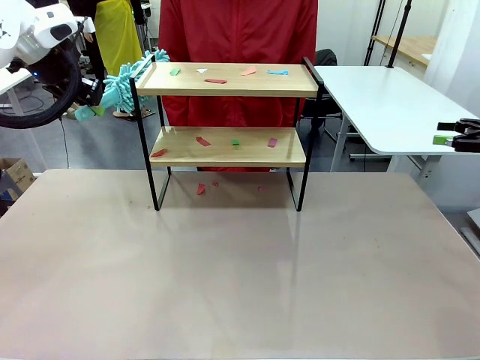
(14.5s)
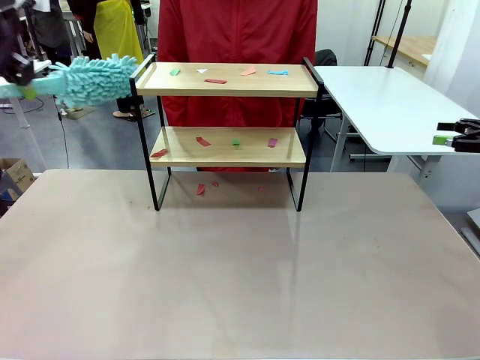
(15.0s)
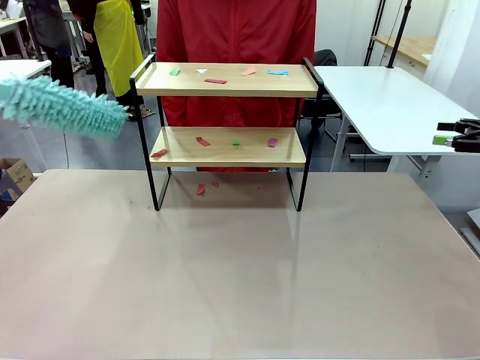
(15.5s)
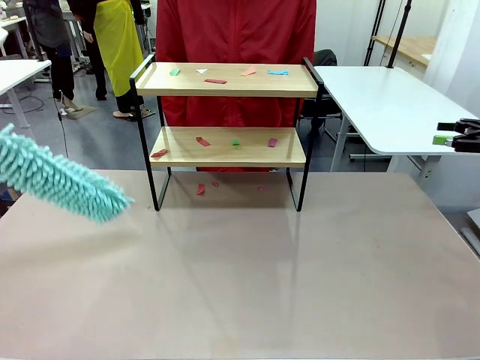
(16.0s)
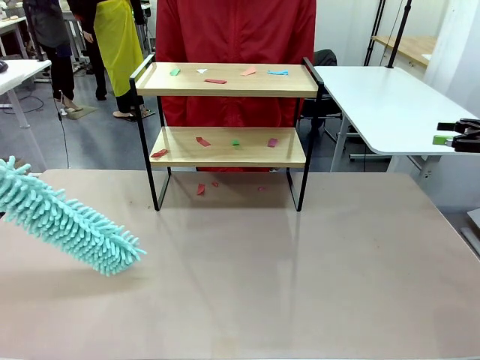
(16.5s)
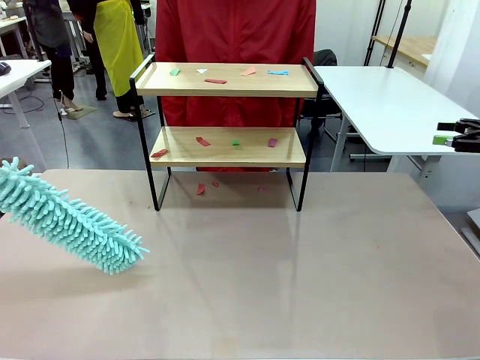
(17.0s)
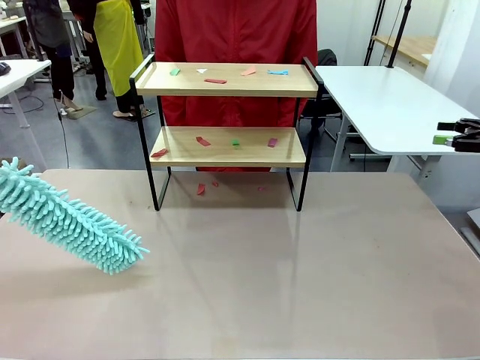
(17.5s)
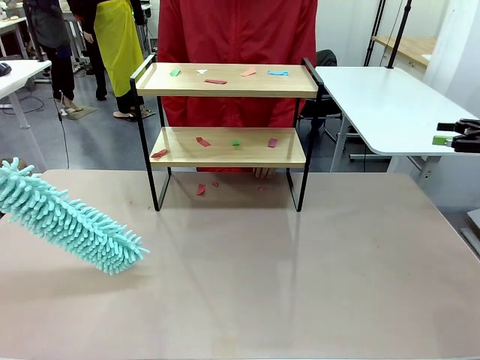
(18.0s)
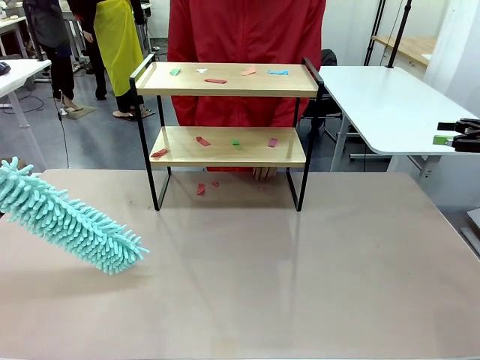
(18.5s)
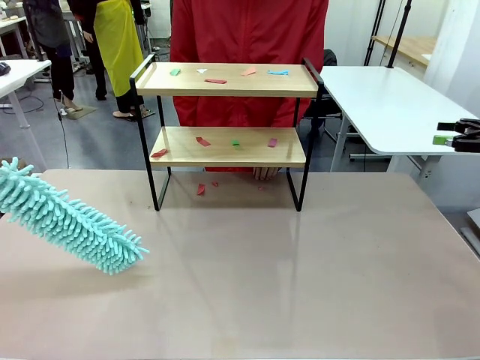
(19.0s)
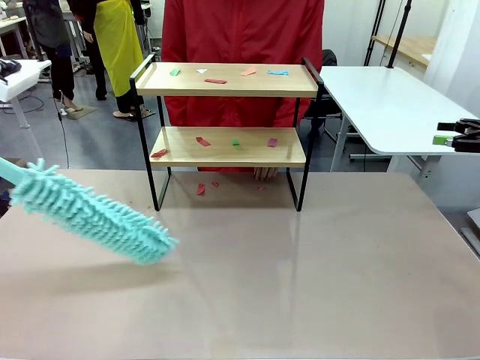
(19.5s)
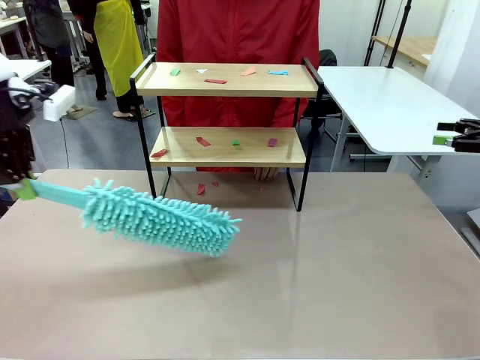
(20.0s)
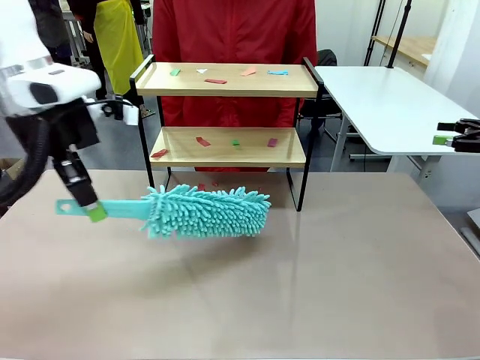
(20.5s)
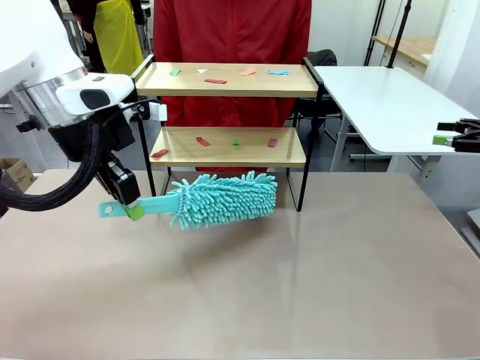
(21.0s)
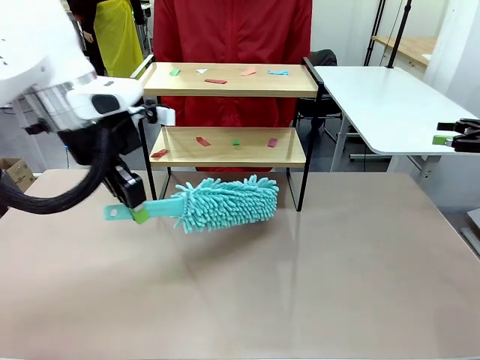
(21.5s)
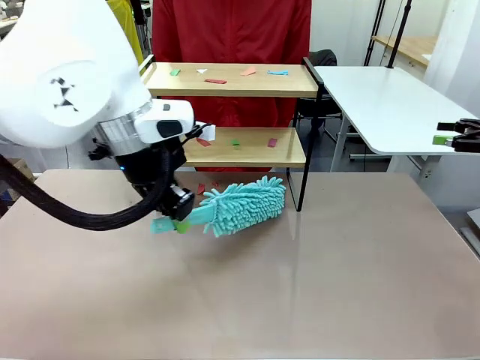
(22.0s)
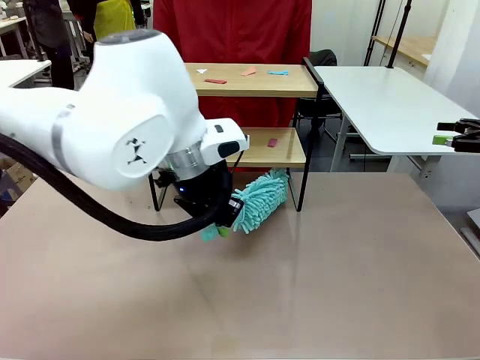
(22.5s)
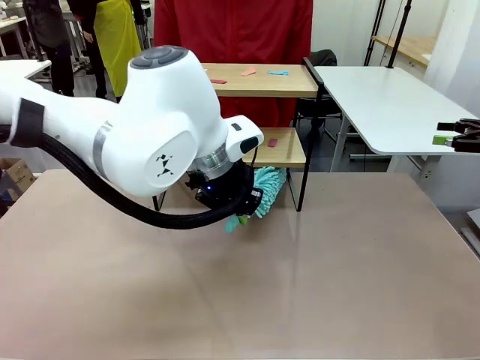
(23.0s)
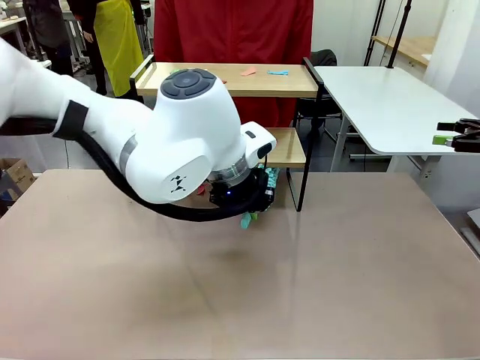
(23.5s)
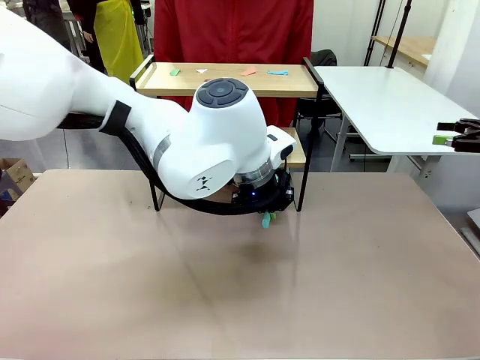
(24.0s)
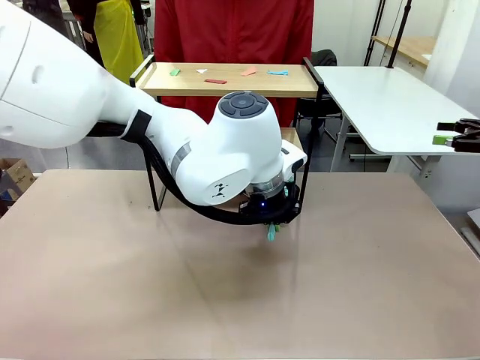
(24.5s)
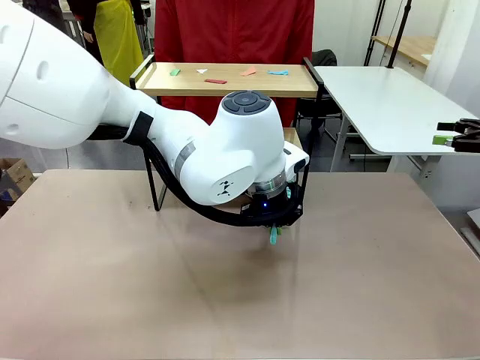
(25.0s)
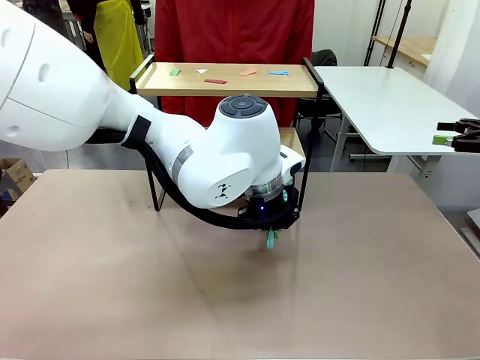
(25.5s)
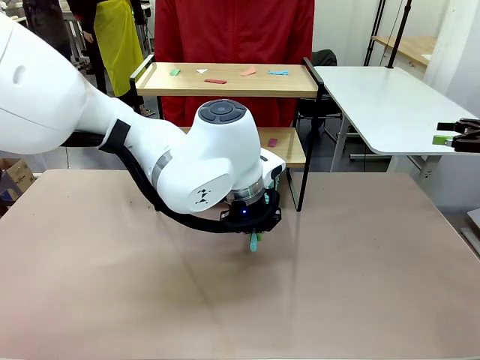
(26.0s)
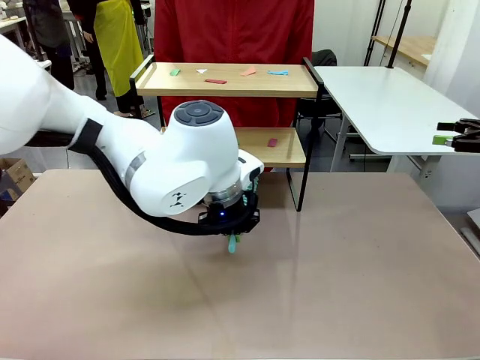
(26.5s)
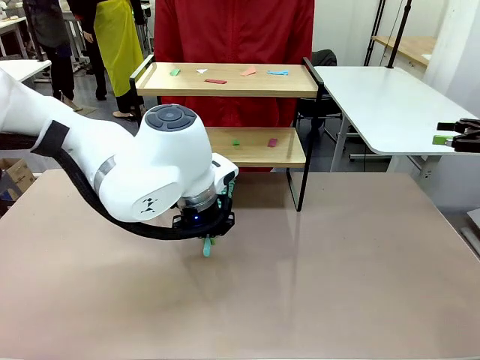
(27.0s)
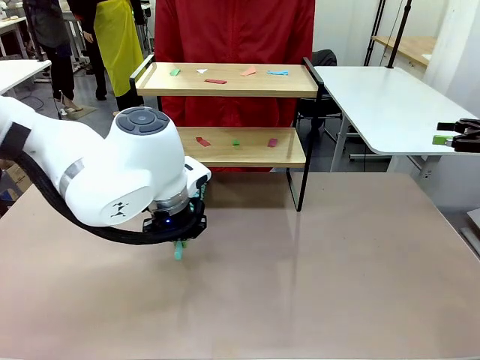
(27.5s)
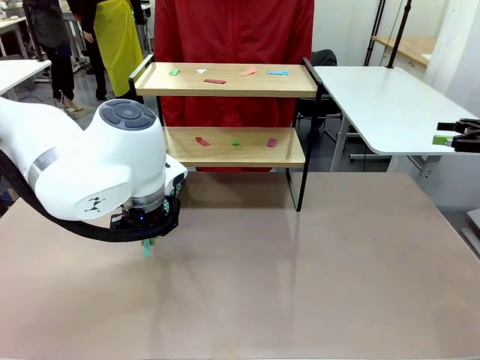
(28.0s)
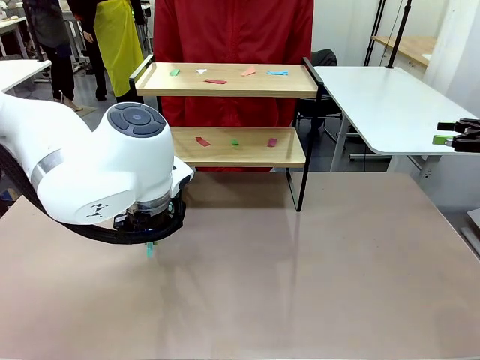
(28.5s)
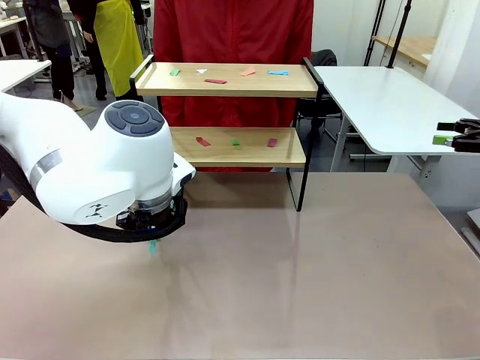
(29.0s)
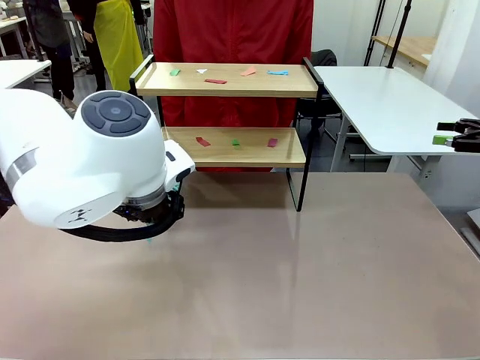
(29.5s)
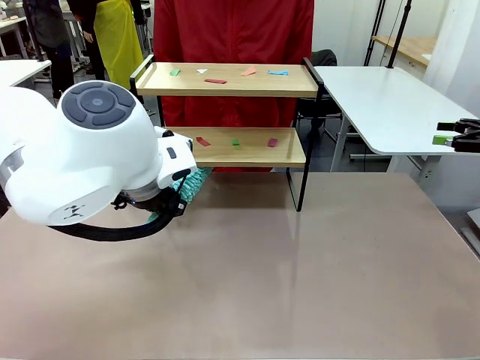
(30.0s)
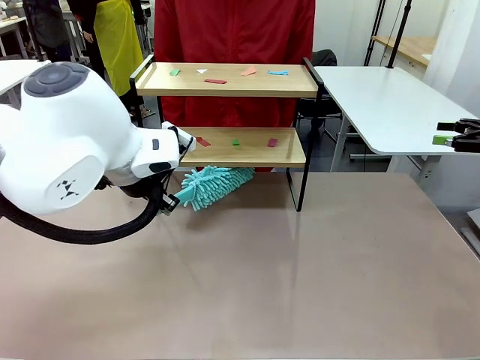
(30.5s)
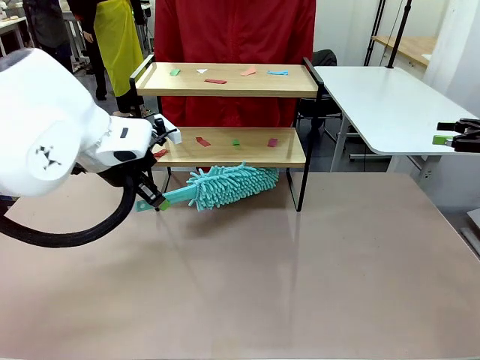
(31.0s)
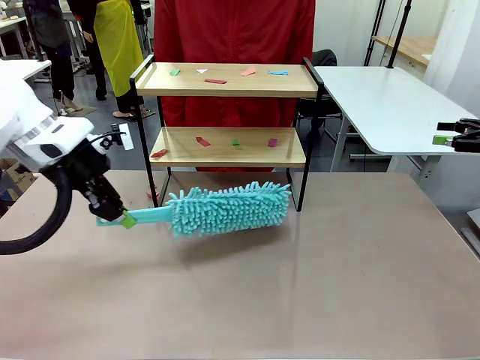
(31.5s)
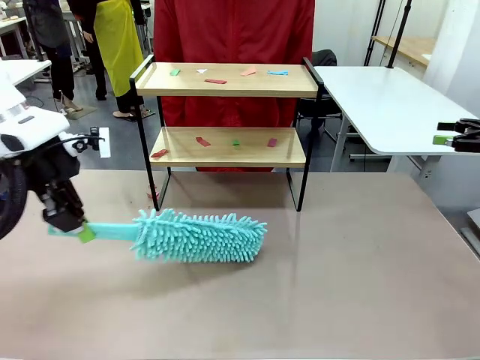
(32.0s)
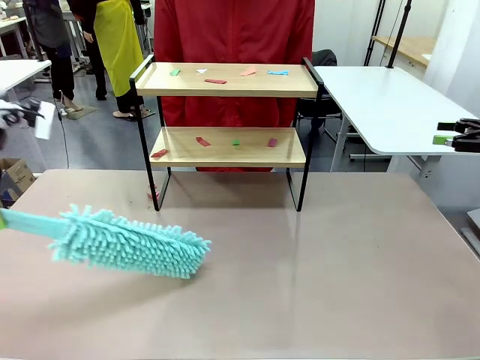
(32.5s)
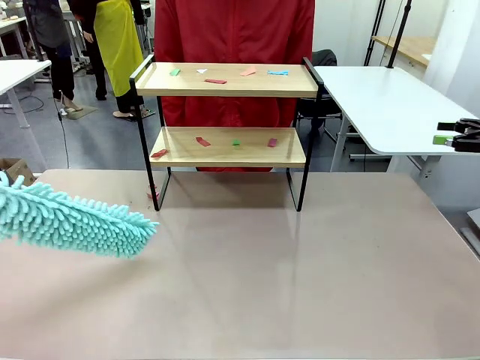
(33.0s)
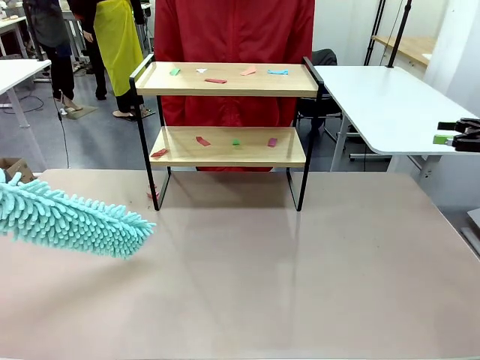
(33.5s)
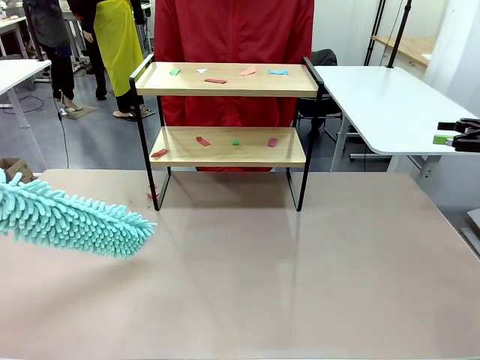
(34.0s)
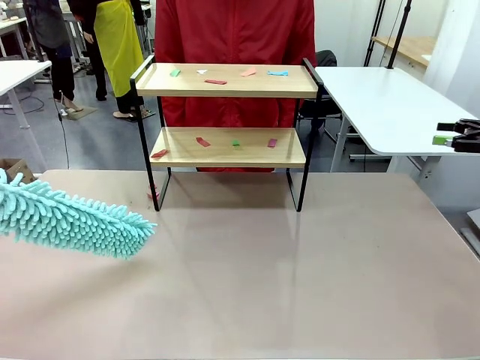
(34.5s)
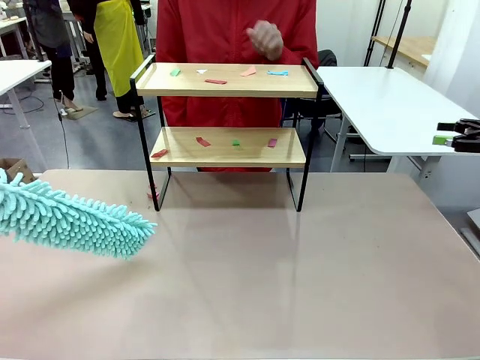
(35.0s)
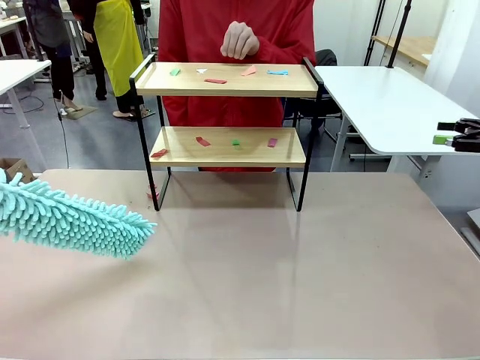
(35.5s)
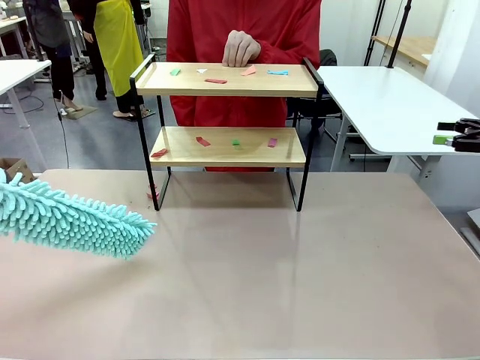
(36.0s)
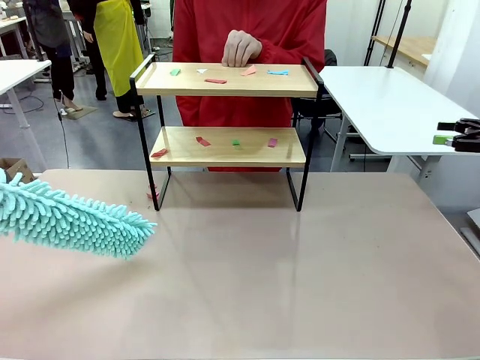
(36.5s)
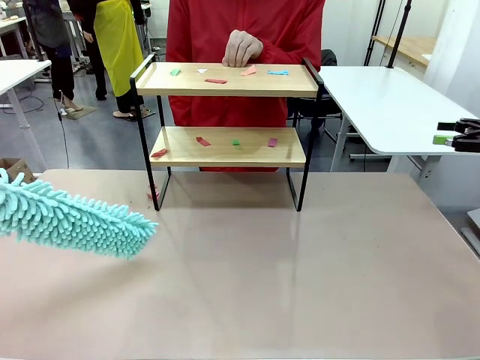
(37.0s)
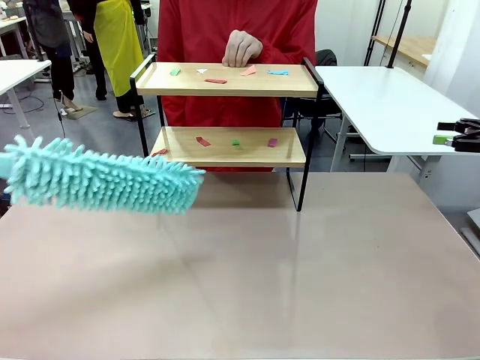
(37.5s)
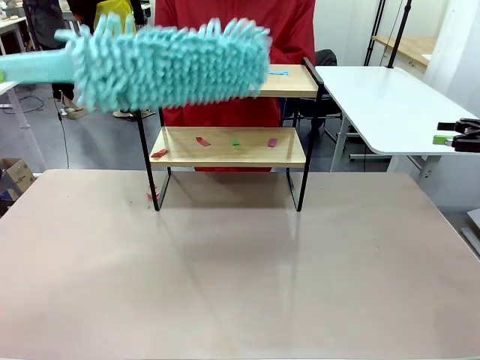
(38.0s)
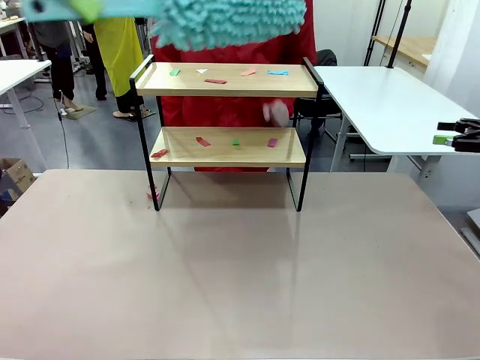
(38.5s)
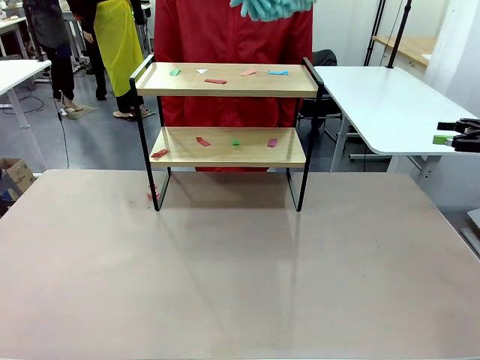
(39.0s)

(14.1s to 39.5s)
Task: Clean the shelf.
Robot: Clean the specific section of the Shelf indicated by the human with the Duster.
Person: Point a random section of the Shelf.

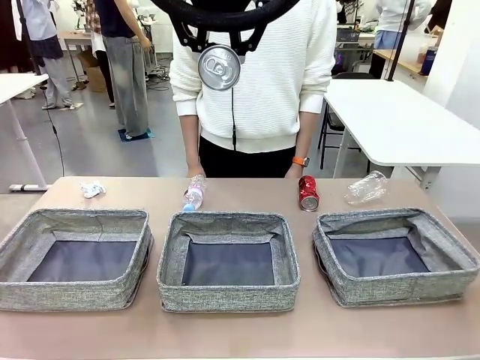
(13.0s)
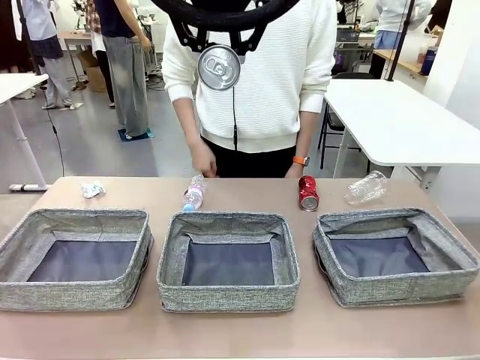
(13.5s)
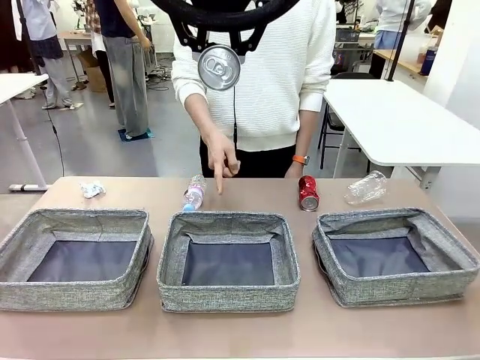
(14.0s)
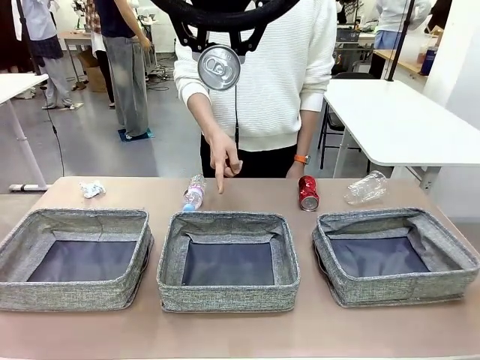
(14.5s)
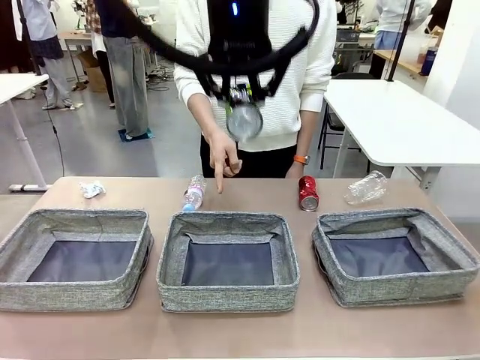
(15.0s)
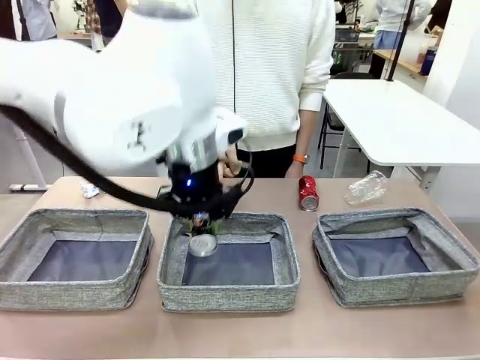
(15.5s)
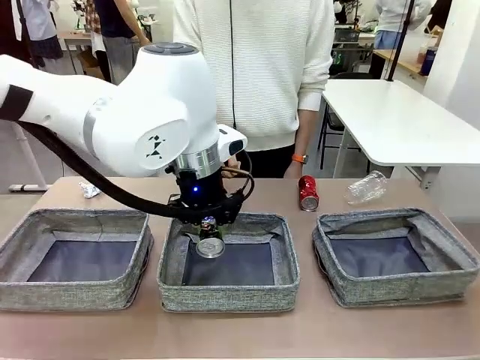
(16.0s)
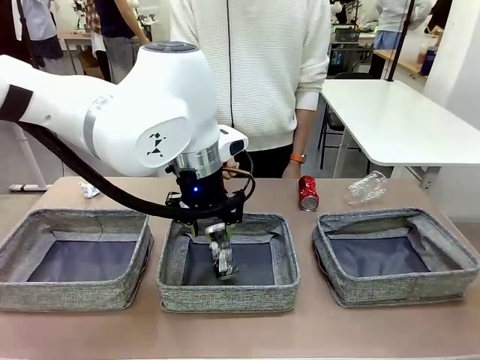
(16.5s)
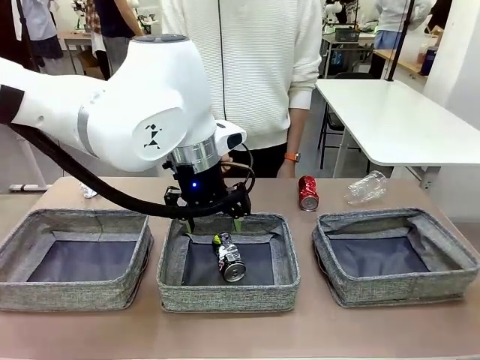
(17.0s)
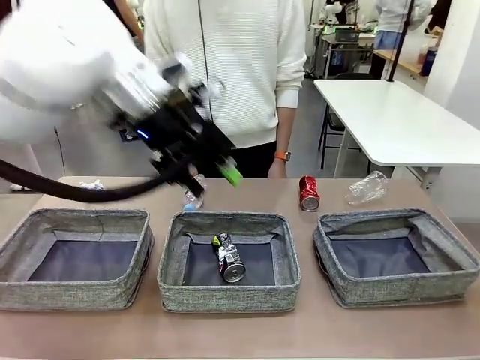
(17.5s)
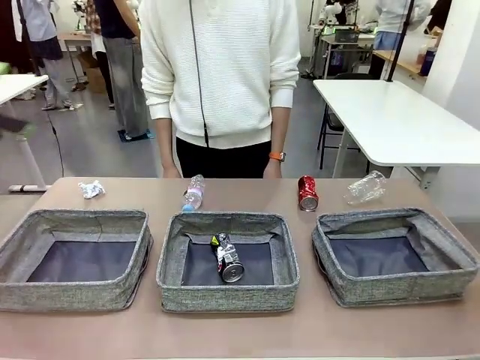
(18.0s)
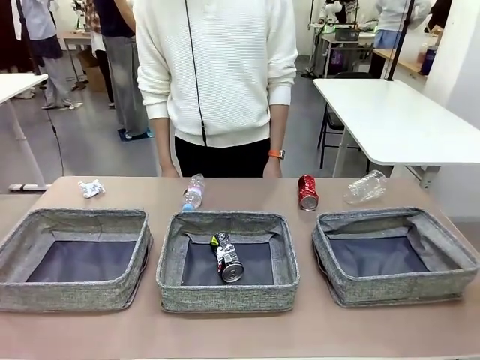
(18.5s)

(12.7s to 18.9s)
Task: Sort the waste into the appropriate baskets.
Robot: Place the picked waste into the Fabric basket indicated by the person.
Person: Instructs the robot to place the picked-up trash into the appropriate organizing basket.
